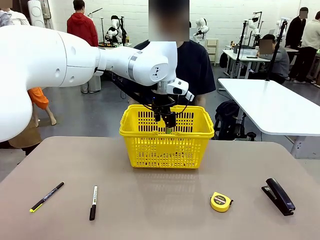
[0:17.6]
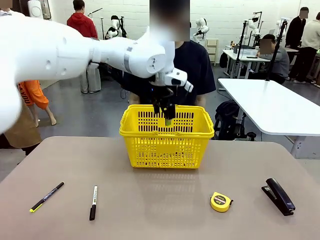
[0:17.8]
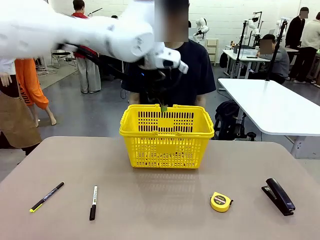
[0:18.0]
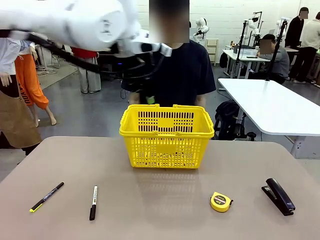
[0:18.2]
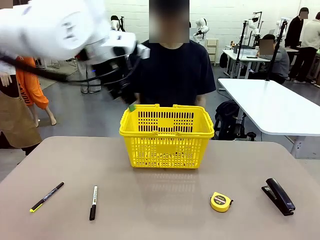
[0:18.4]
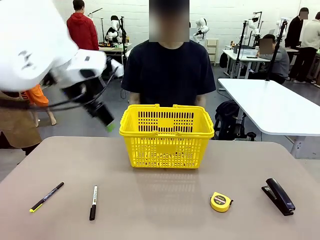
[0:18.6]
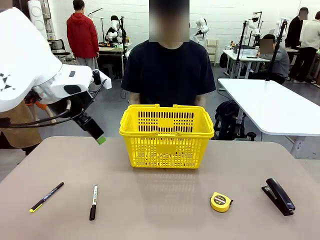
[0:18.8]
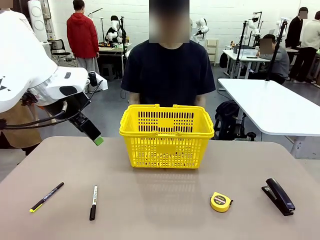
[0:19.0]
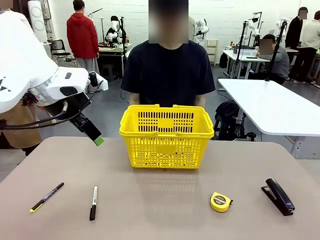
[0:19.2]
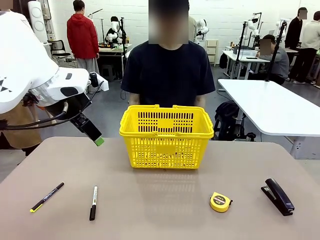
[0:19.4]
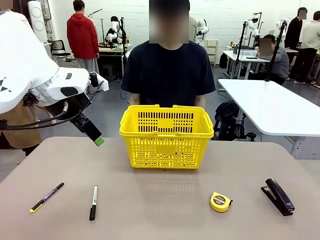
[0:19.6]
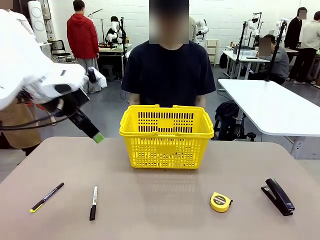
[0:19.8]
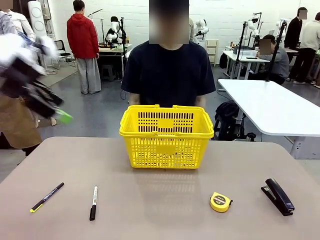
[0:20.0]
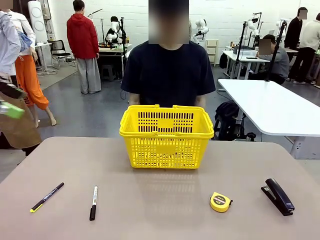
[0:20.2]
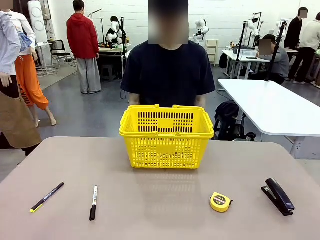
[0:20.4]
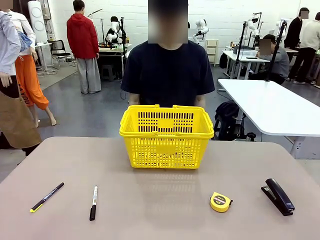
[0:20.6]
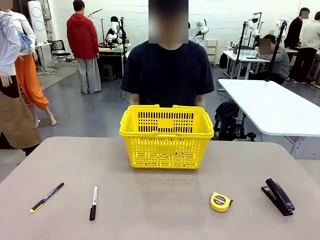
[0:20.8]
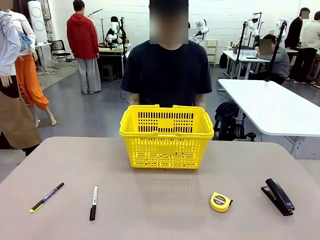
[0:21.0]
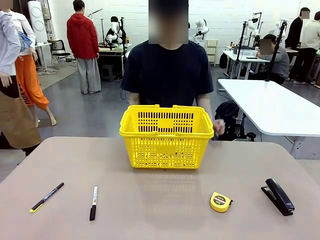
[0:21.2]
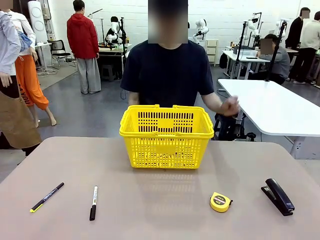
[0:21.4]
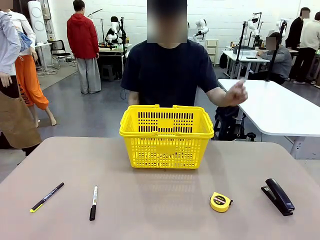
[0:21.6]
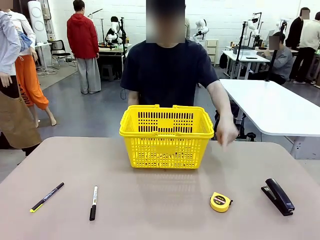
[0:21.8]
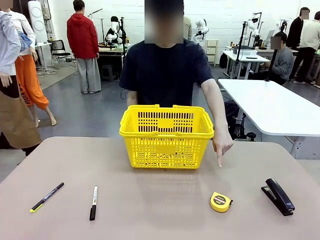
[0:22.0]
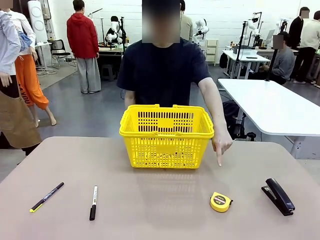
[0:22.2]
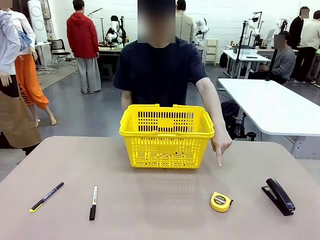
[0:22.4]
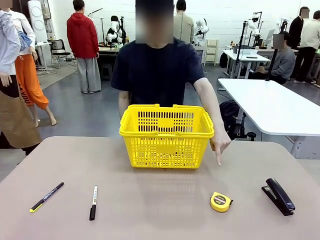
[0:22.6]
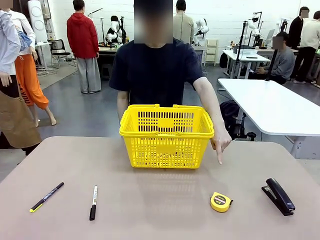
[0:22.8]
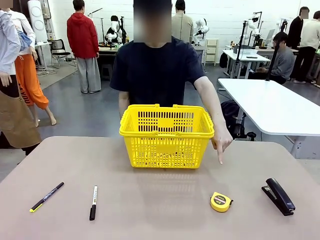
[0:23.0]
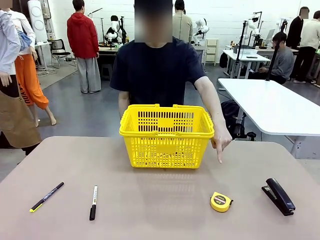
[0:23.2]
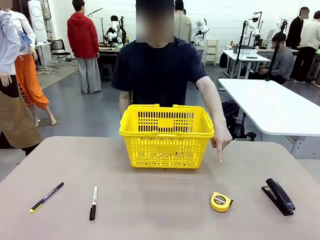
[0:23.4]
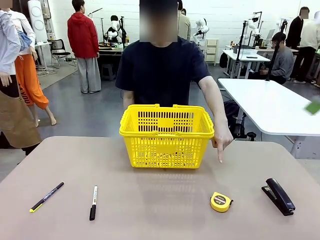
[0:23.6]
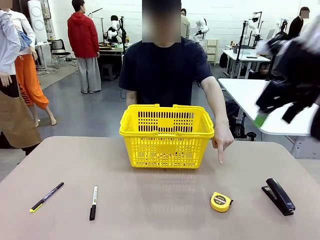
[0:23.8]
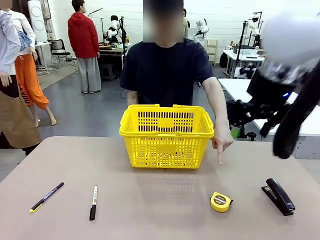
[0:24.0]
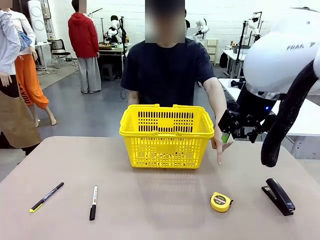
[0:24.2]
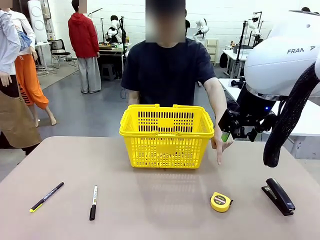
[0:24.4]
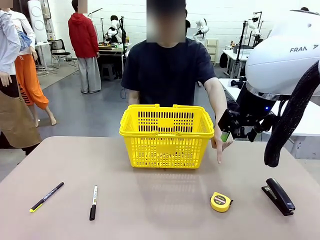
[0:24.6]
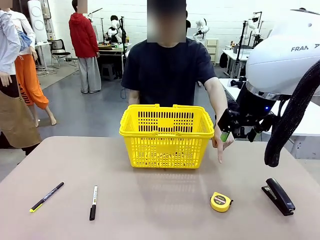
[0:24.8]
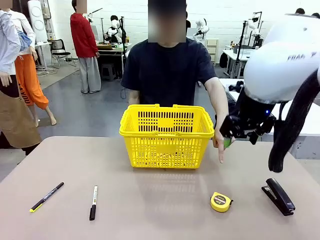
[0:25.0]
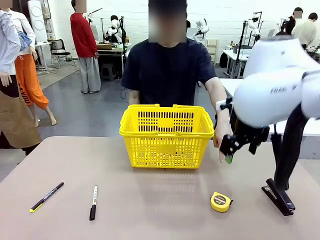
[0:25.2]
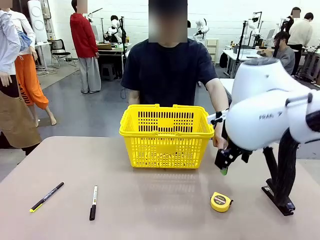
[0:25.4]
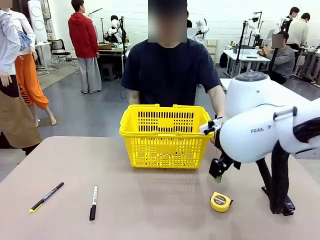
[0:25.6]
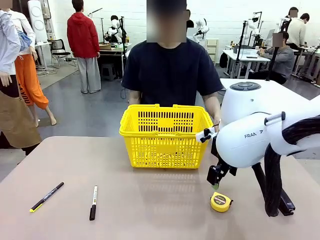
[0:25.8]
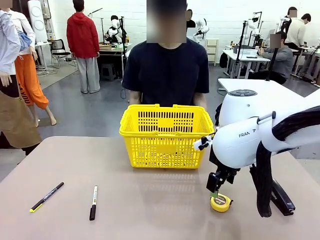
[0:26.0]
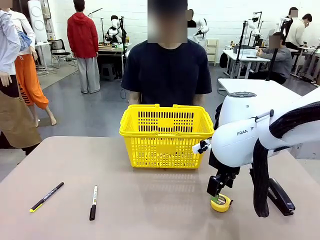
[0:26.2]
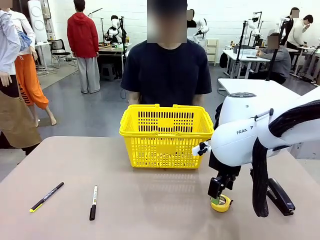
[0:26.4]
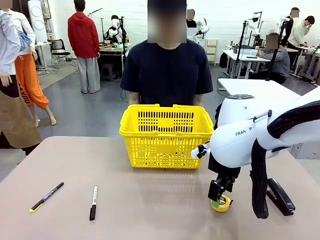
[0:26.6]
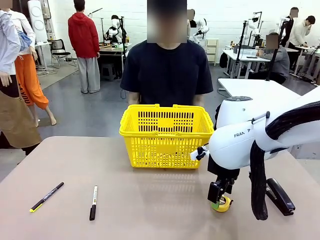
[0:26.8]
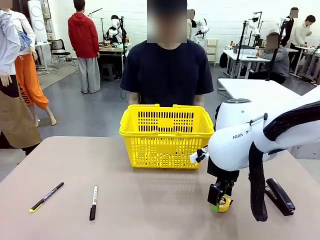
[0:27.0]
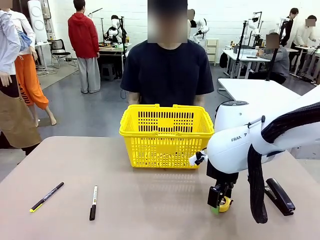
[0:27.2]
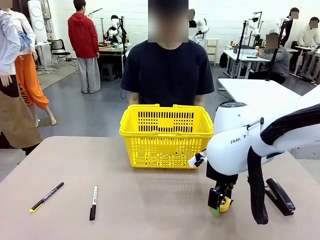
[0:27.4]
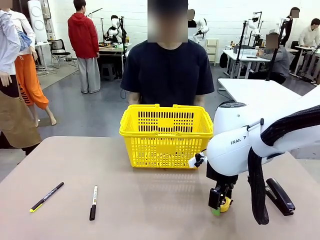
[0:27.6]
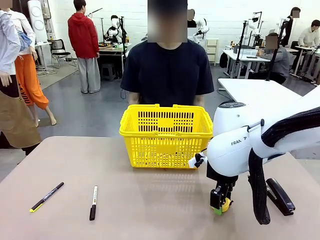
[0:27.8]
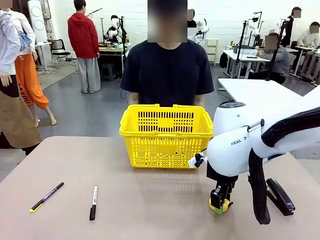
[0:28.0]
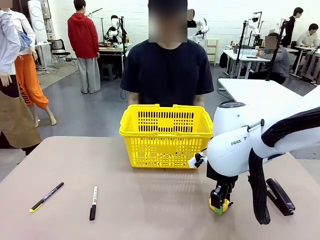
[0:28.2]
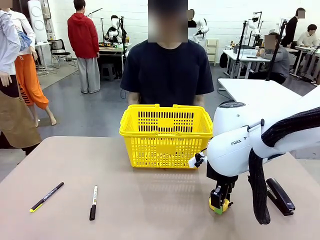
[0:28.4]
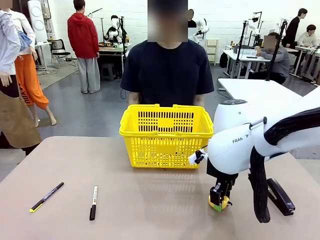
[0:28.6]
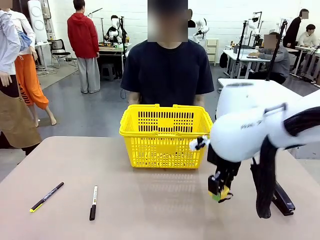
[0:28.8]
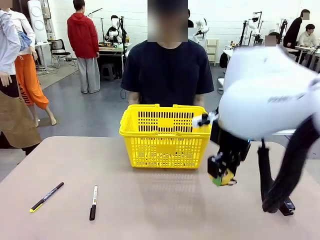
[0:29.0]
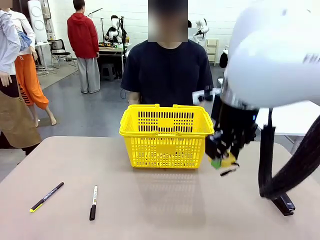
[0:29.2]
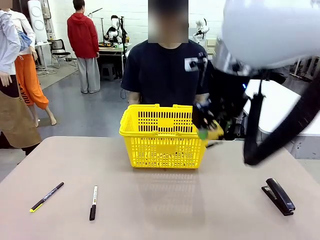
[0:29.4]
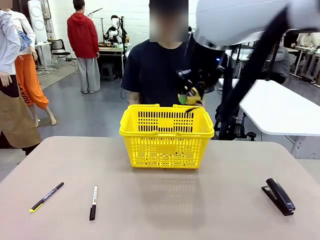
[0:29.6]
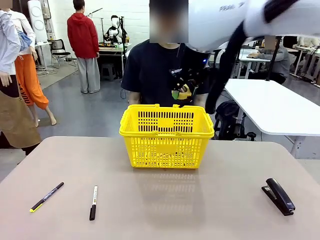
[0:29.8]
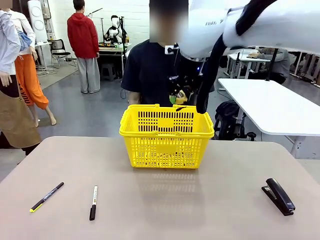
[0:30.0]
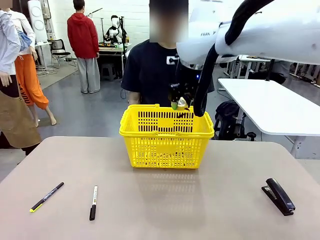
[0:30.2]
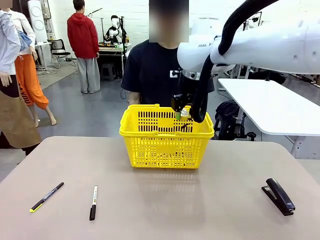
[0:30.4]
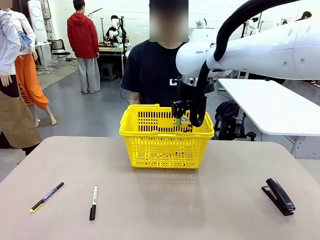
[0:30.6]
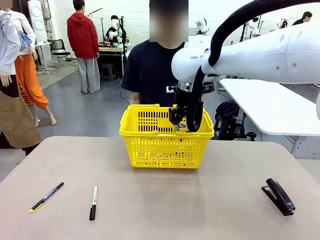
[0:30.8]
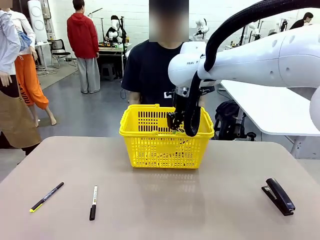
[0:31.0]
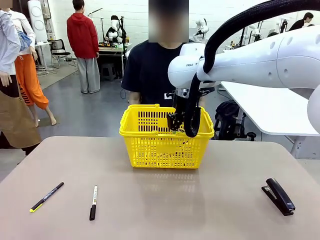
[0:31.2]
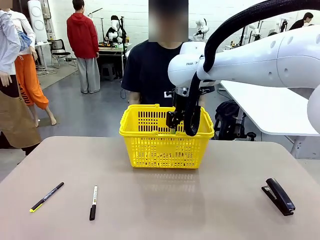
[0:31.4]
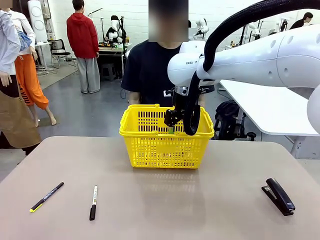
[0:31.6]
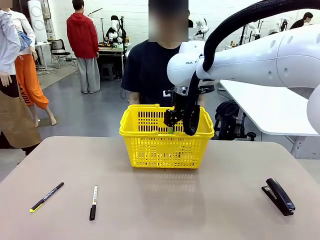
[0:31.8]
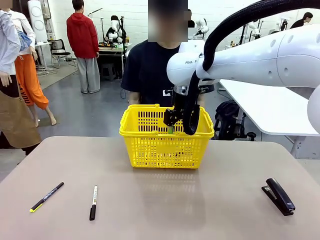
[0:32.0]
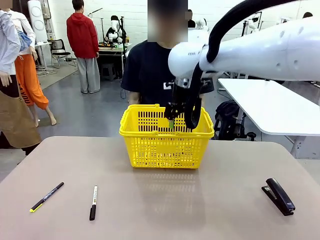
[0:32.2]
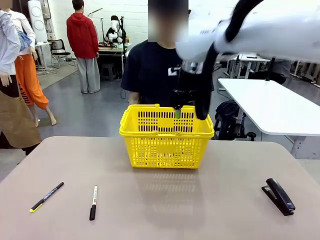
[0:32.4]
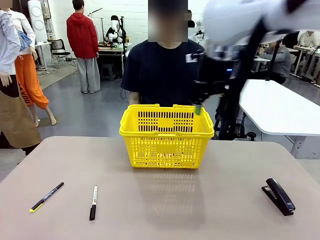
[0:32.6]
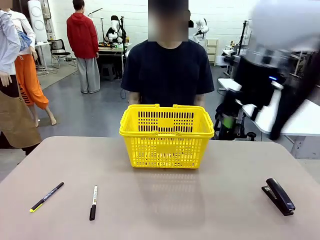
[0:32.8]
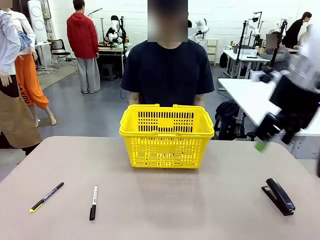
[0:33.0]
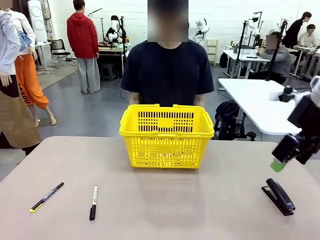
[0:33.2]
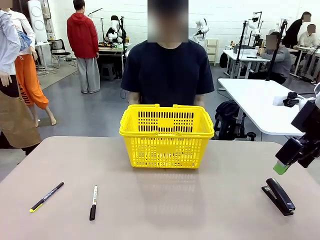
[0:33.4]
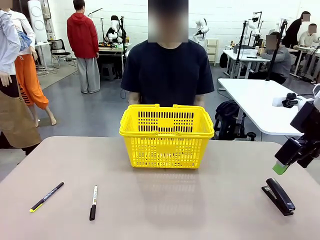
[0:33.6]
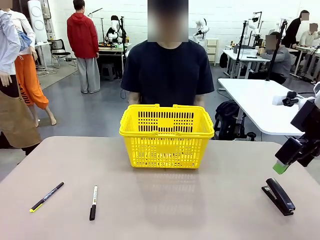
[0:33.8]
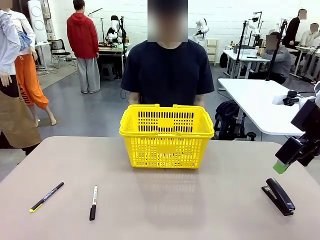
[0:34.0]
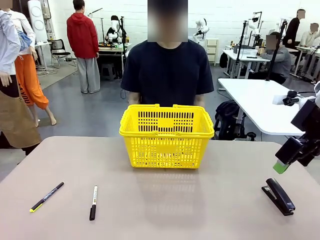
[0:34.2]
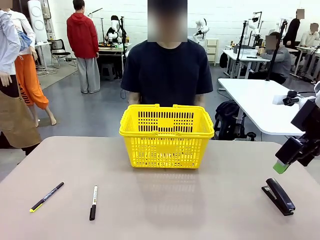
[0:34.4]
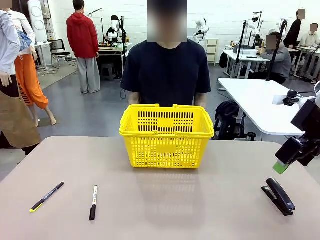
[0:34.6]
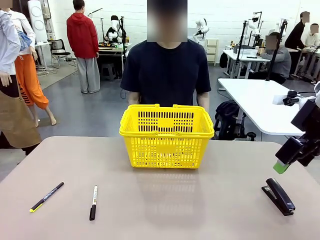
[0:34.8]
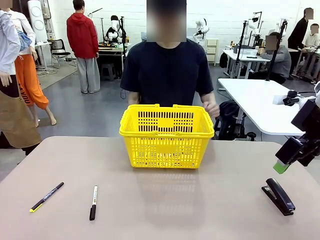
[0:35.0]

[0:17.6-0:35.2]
Task: Place the items the person wants into the basket.
Robot: Pick up the item the person points to and place it in the Market Basket.
